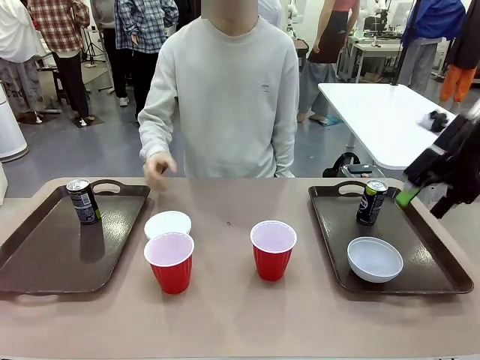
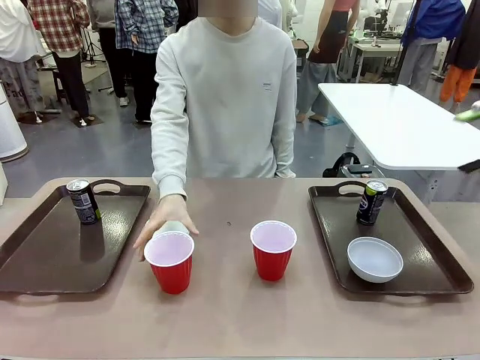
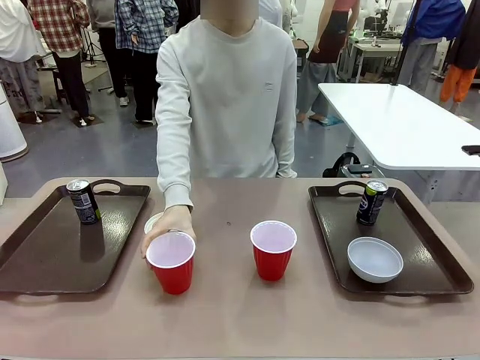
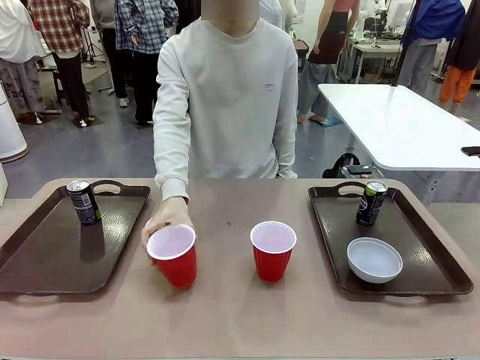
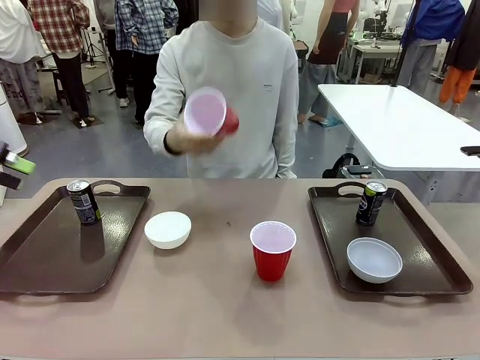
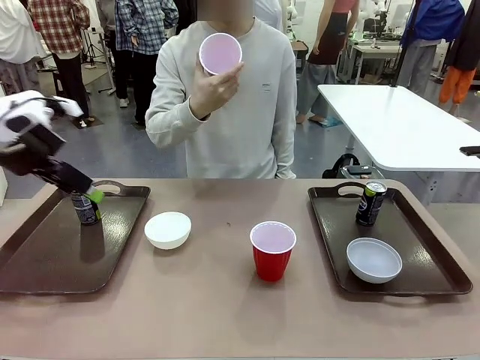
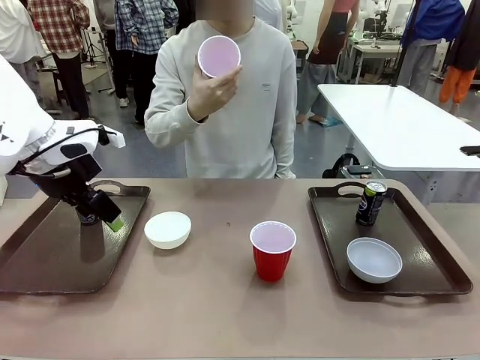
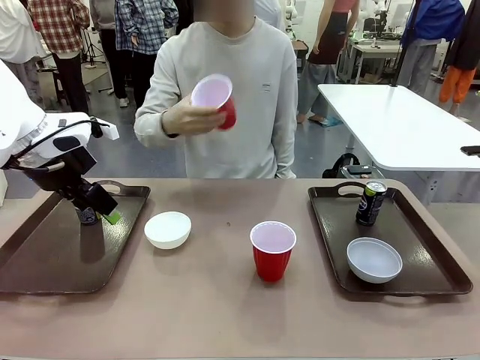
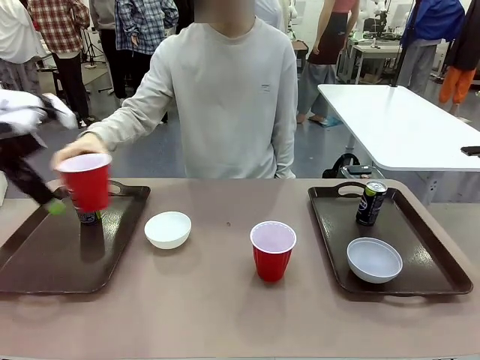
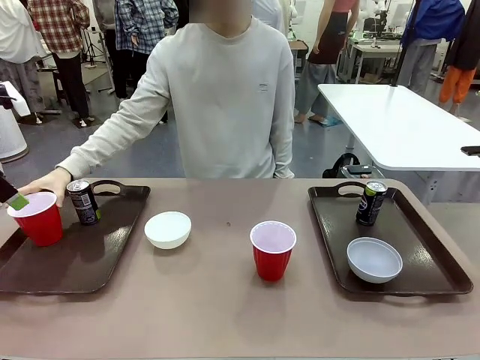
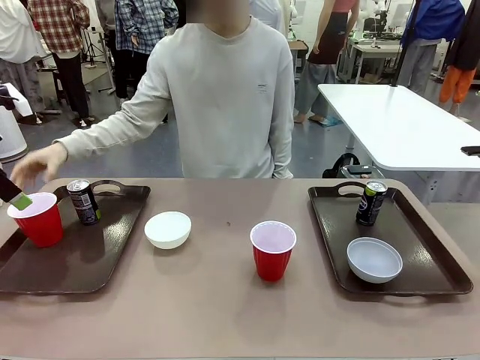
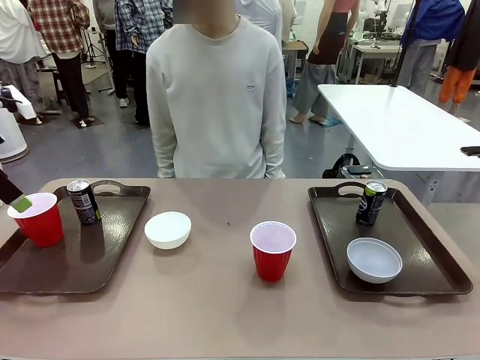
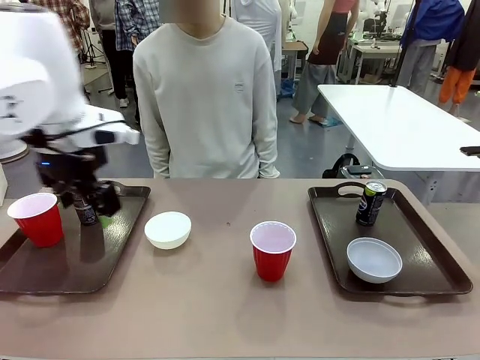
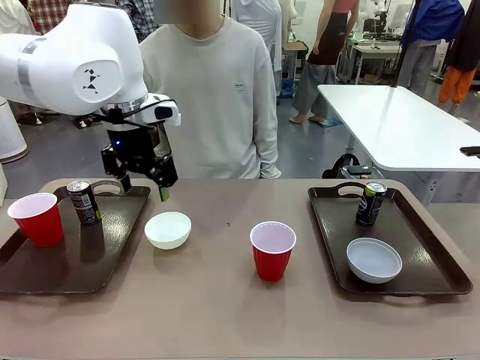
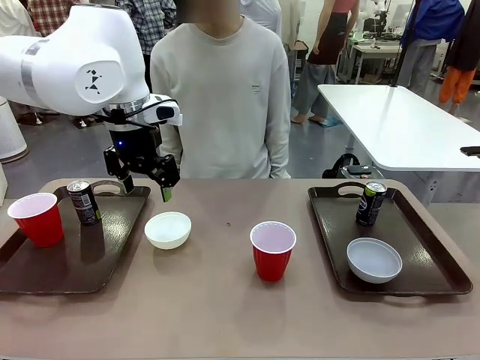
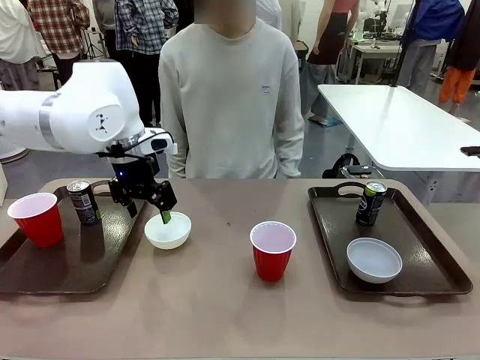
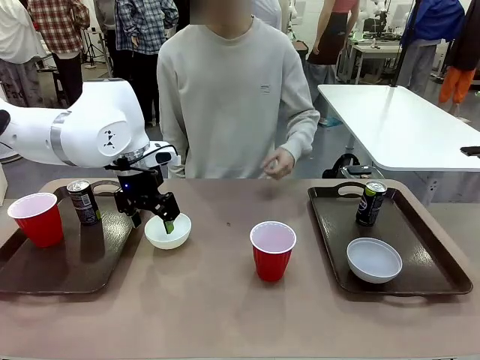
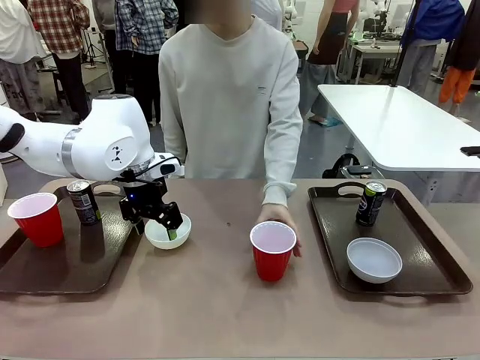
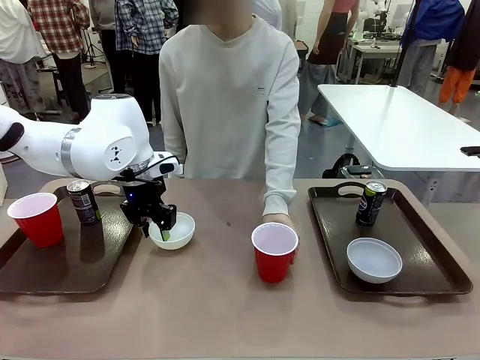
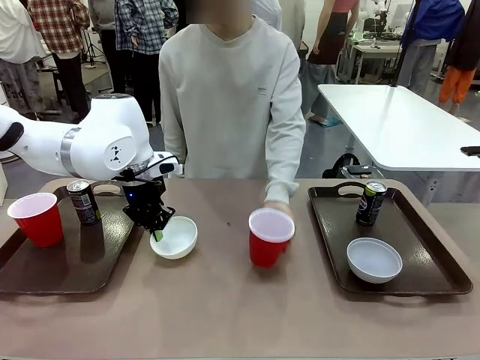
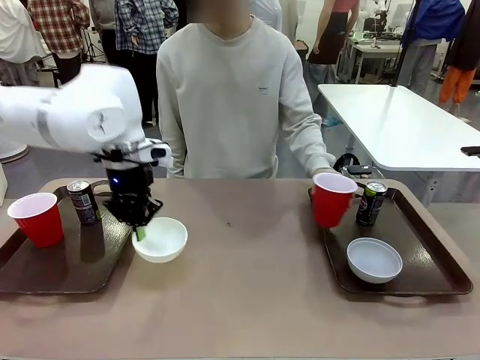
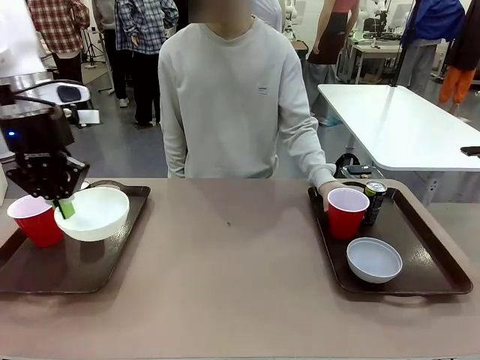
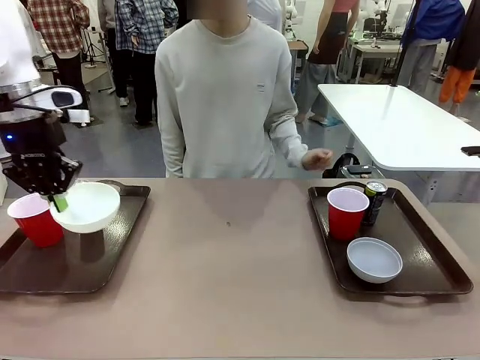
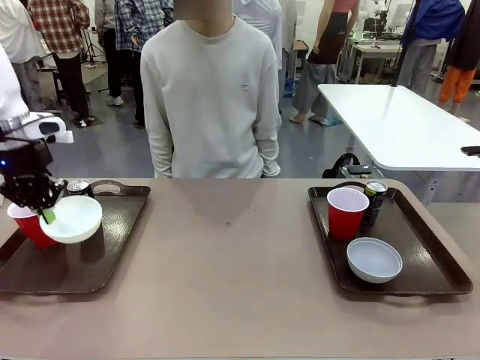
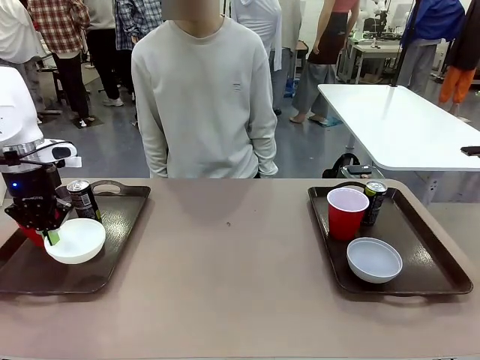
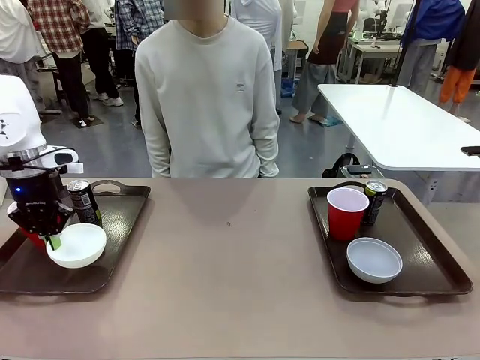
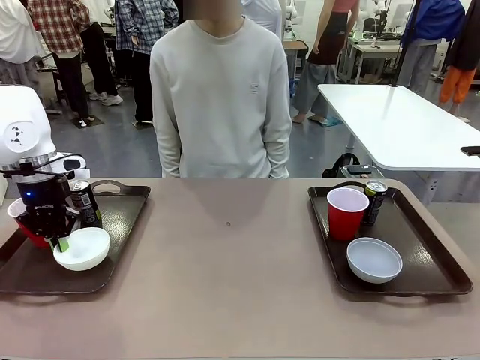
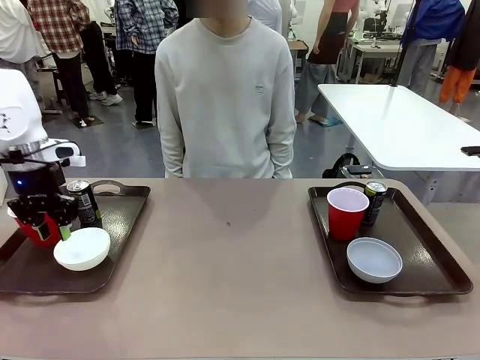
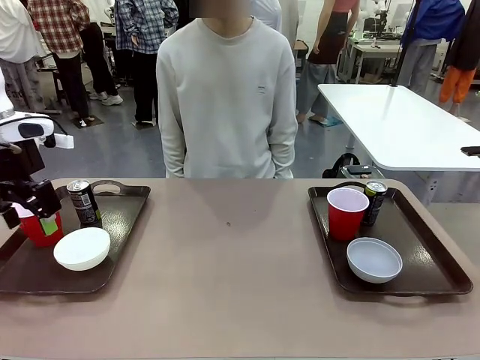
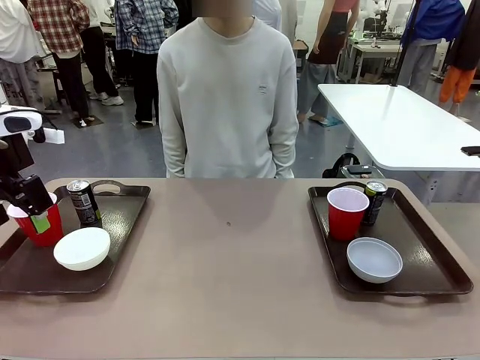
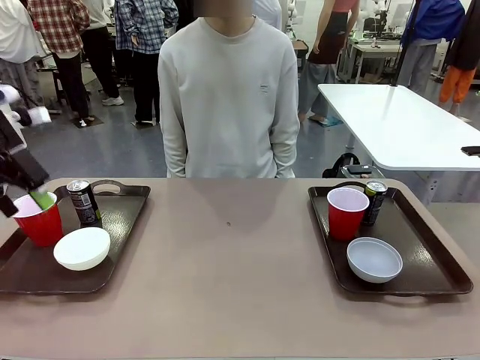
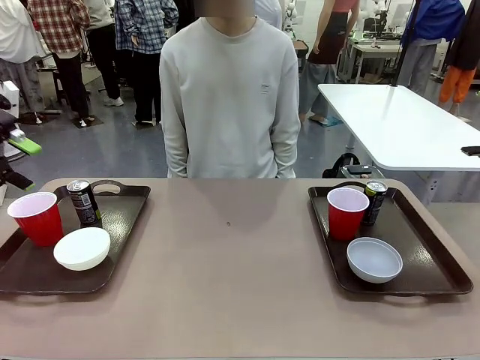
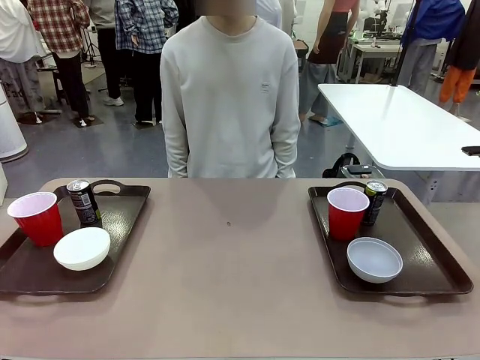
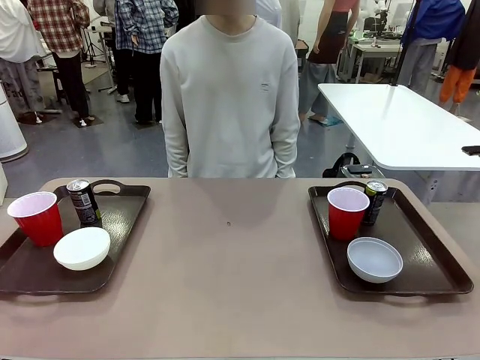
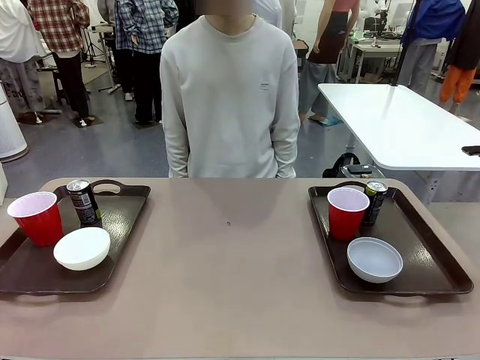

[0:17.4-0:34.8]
Task: Prepare tableware on both trays.
Robot: Pick up a Picnic Bowl from the table and place it on a Handle tray.
Person: Pick up a can or cup and place it on the tray without a can or cup.
